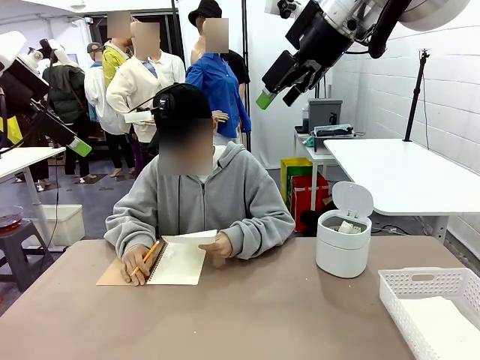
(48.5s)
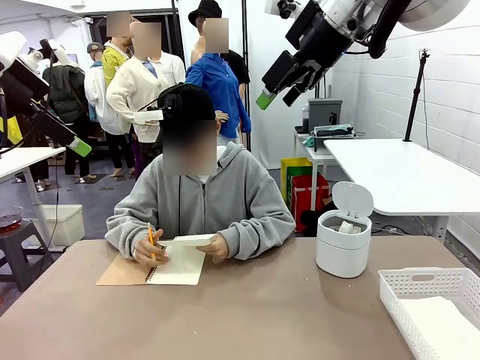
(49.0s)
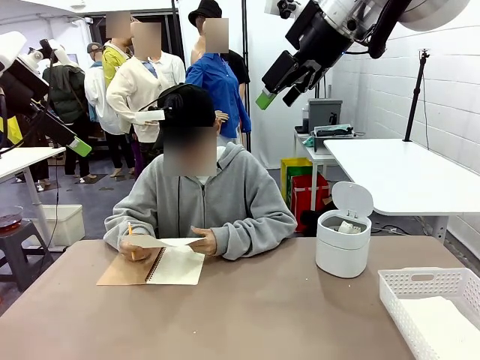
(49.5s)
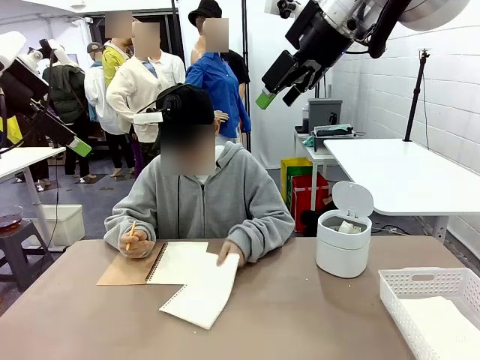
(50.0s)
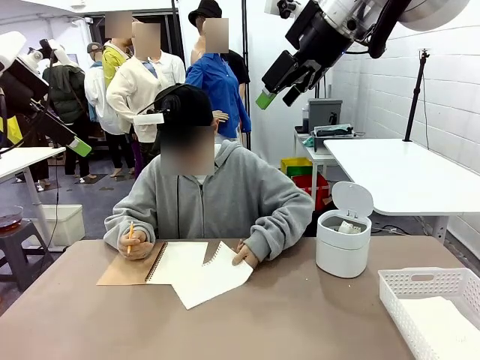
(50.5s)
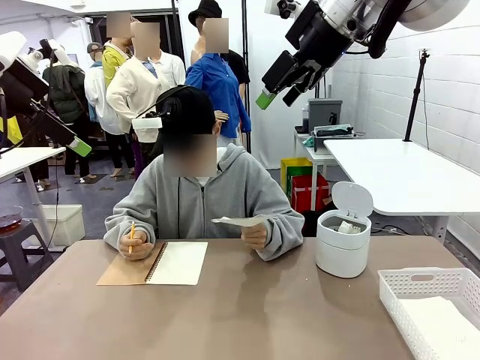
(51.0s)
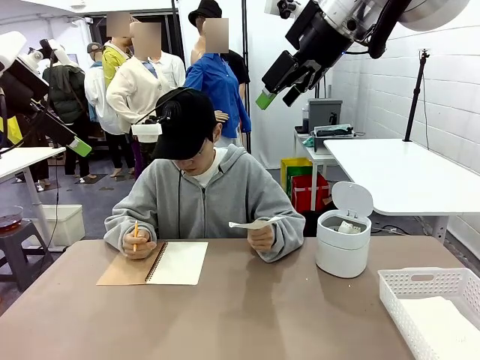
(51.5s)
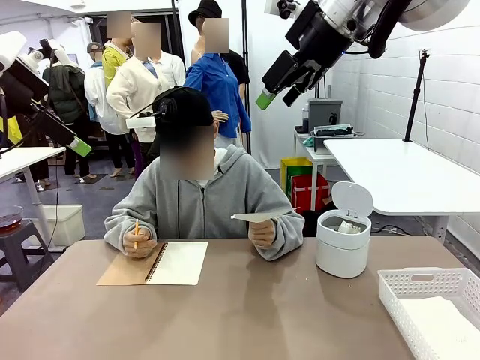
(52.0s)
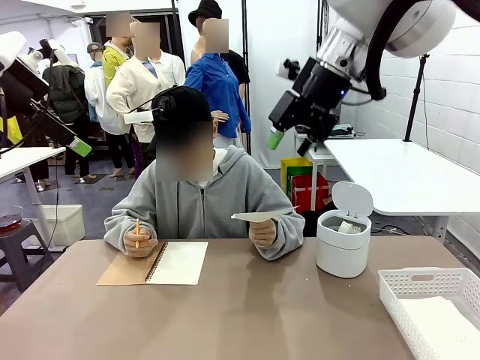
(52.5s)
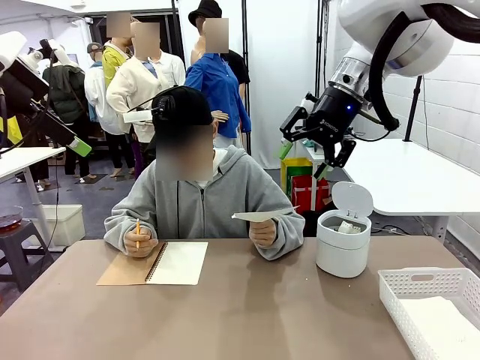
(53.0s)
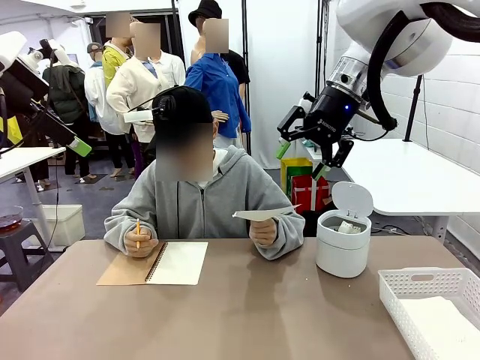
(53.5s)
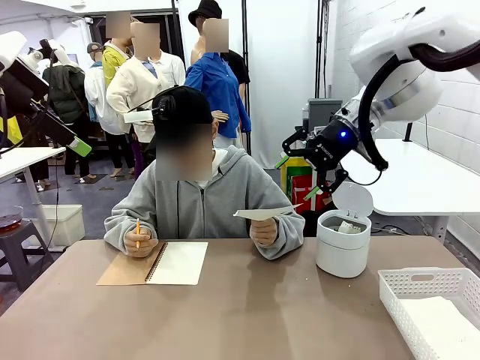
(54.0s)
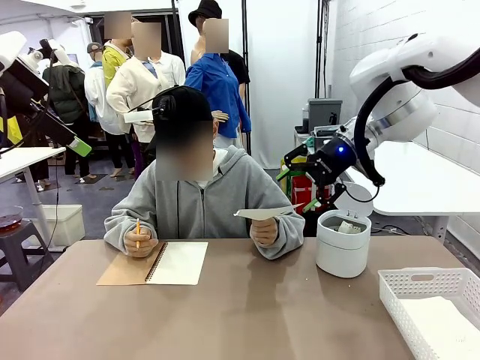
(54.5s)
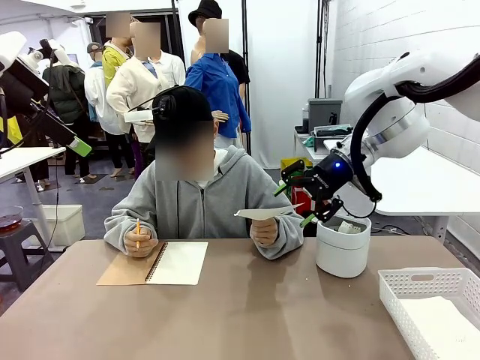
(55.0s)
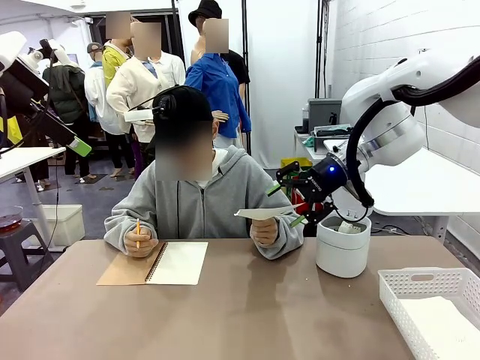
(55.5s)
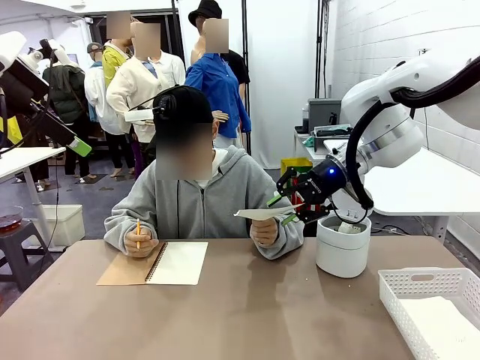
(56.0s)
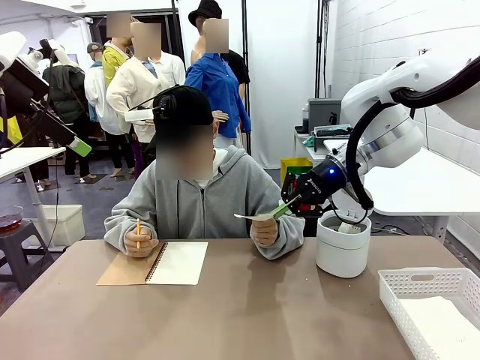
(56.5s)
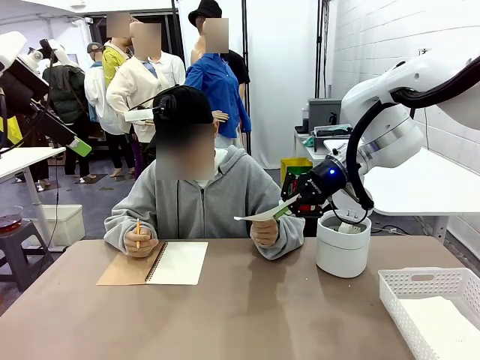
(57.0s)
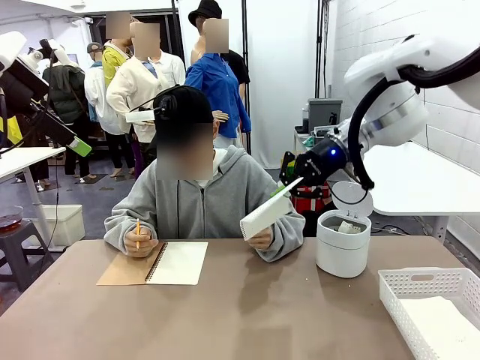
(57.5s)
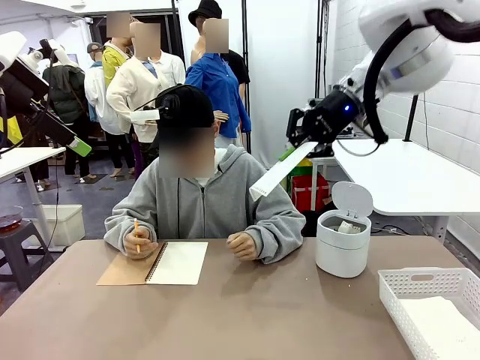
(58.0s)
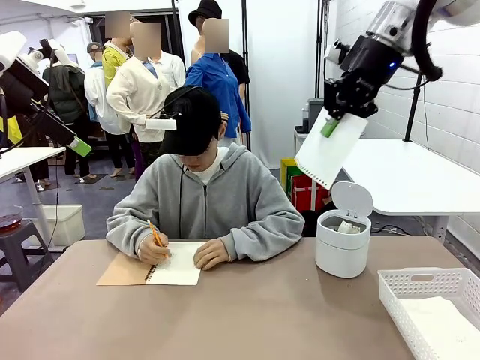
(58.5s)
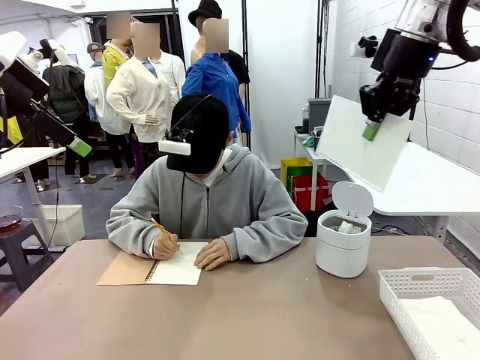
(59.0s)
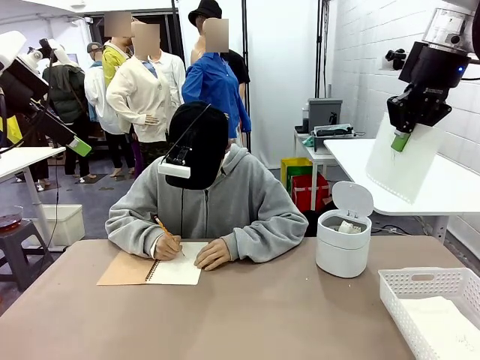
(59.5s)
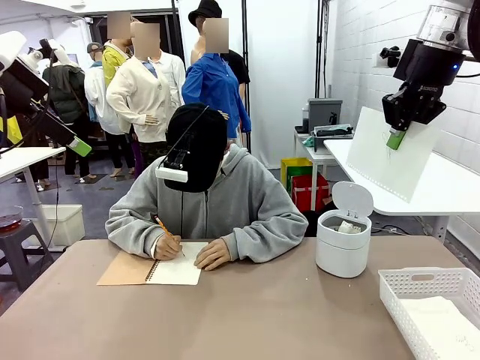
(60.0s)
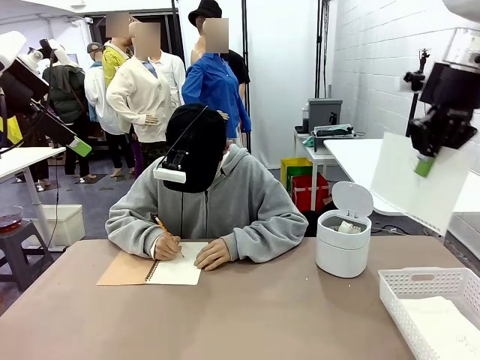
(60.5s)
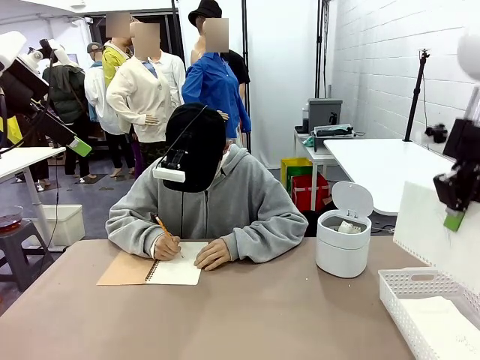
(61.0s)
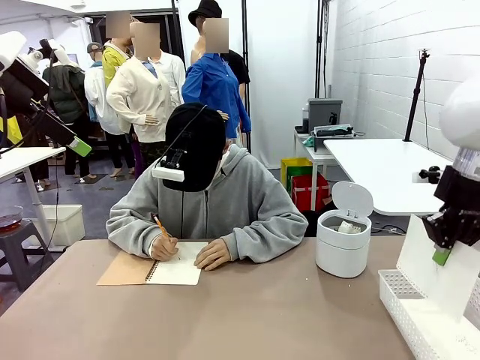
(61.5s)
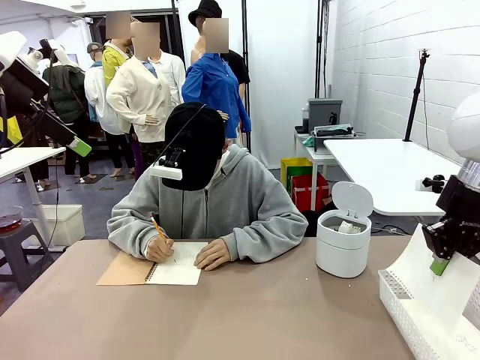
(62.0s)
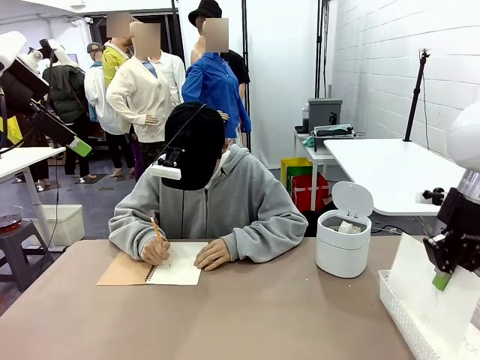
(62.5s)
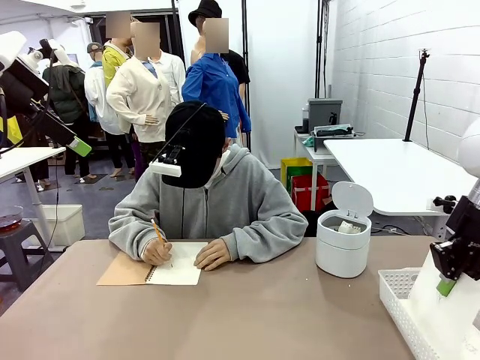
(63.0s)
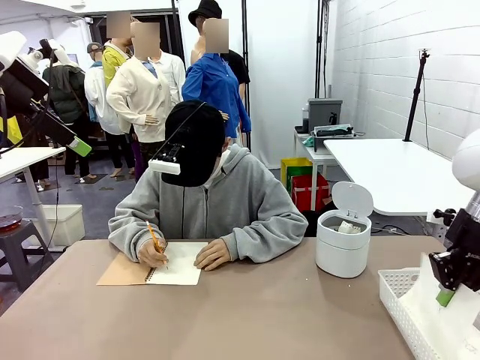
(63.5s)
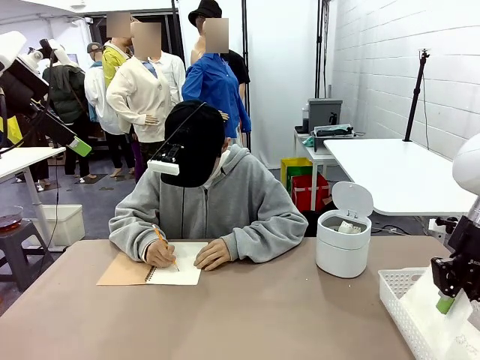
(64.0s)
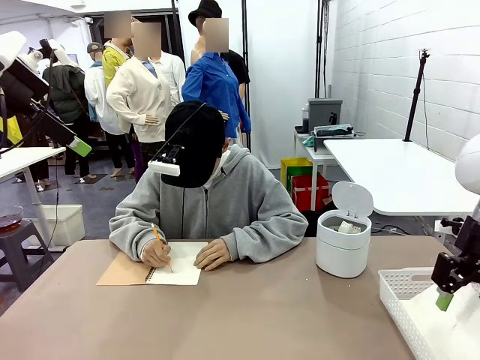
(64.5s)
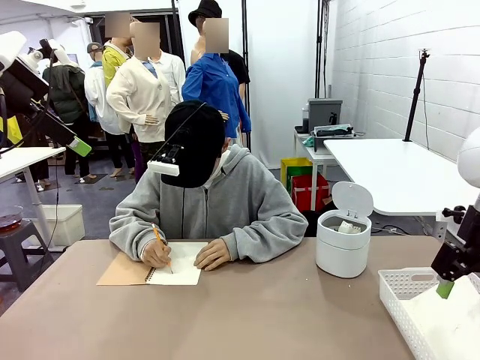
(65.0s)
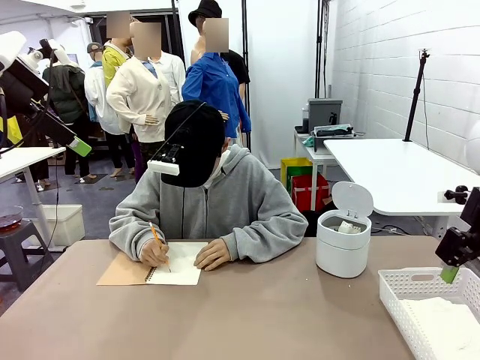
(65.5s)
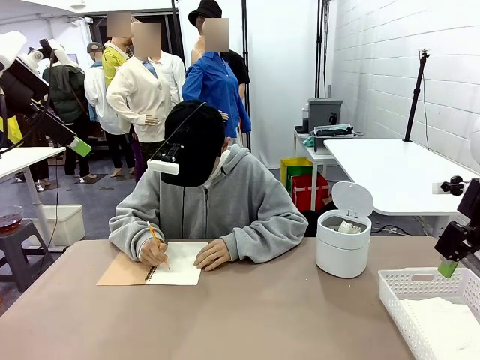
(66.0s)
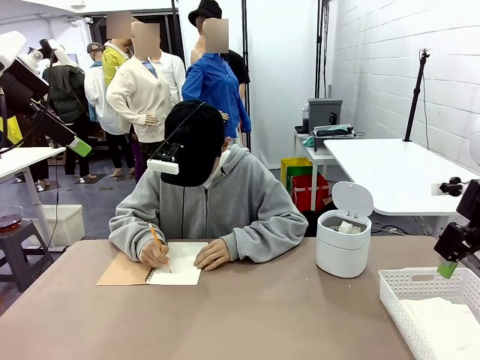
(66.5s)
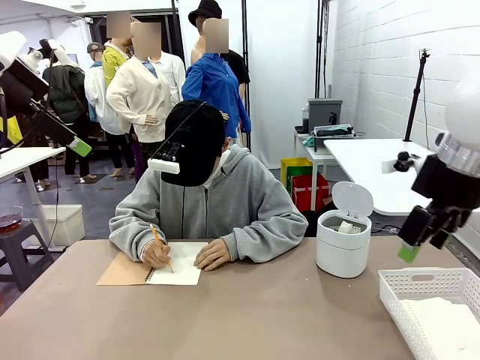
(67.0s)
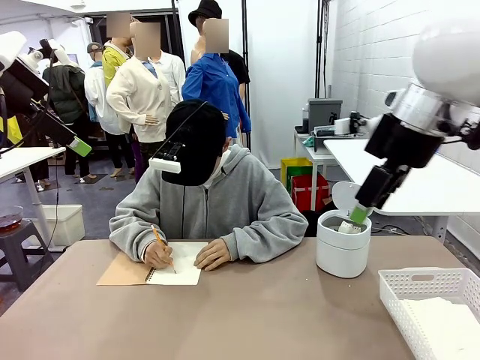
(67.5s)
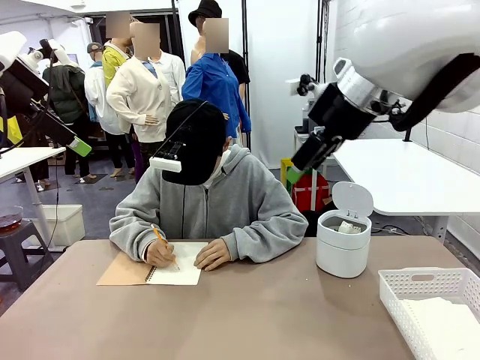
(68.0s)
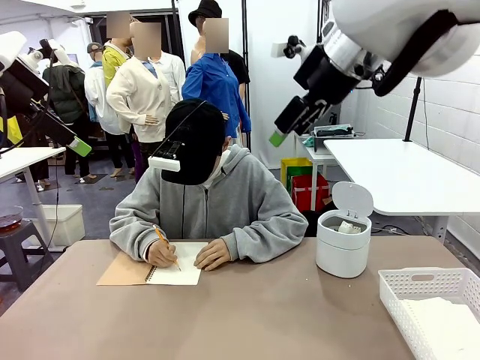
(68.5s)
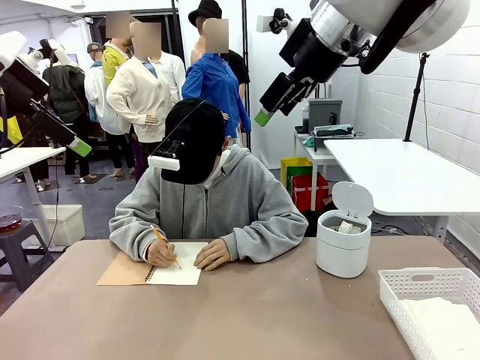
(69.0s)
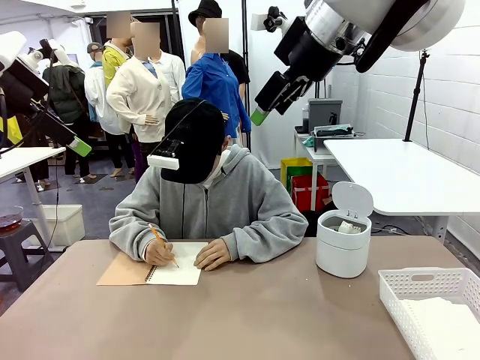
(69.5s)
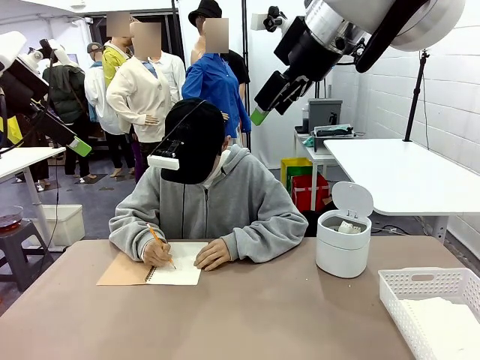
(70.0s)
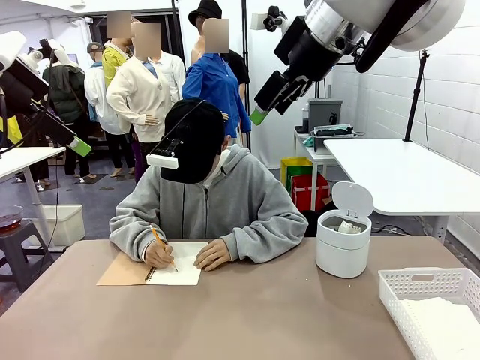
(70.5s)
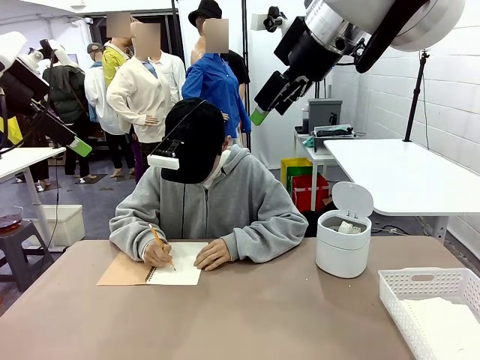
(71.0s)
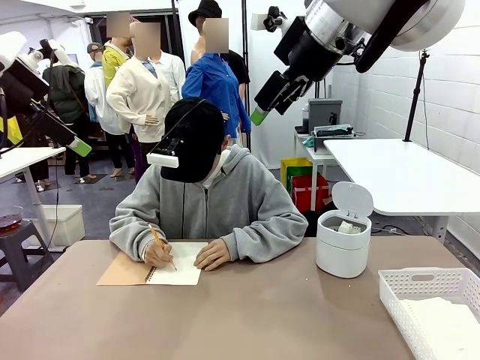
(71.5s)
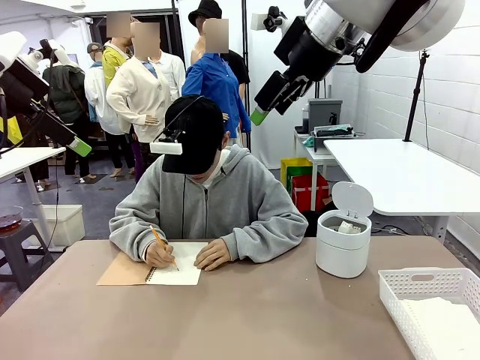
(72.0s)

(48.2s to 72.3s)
Task: Sort the paper based on its condition.
Robot: If a person hands you a paper, place it in the Organizing basket , and if it's crumpled, put it in the Trash can.
Person: Hand the torn page to the robot or crumple it and throw it to the center of the table.
